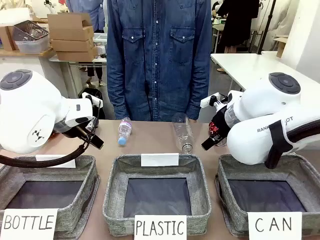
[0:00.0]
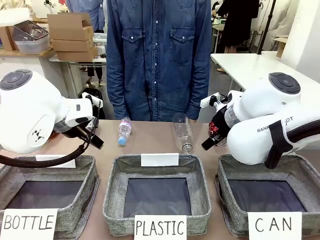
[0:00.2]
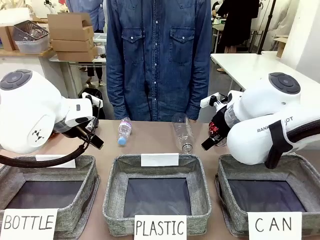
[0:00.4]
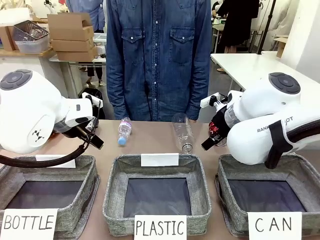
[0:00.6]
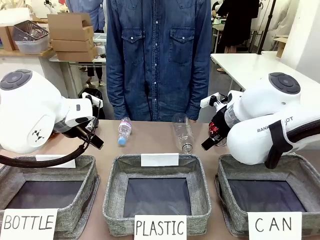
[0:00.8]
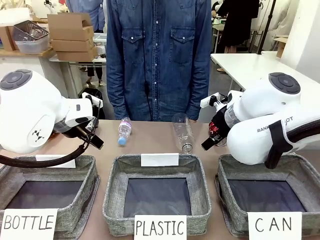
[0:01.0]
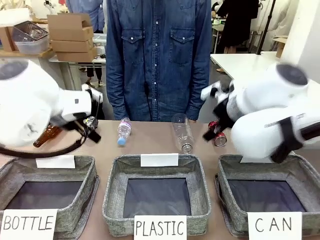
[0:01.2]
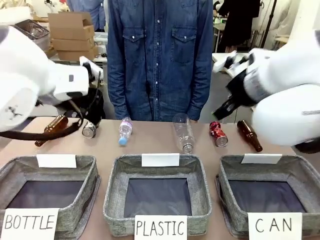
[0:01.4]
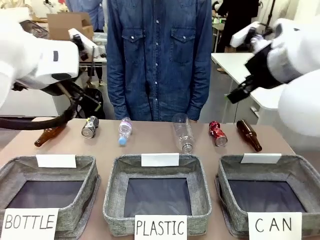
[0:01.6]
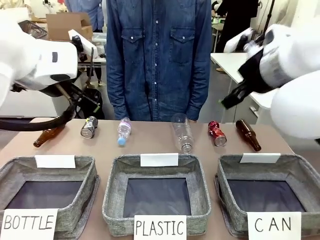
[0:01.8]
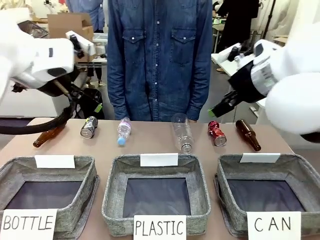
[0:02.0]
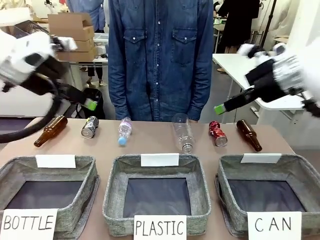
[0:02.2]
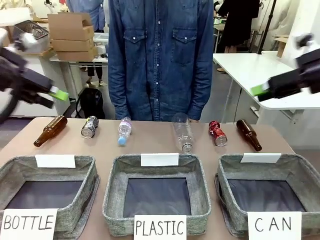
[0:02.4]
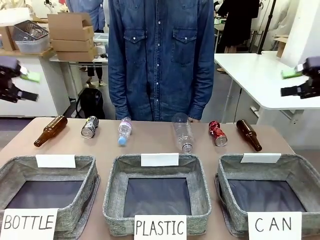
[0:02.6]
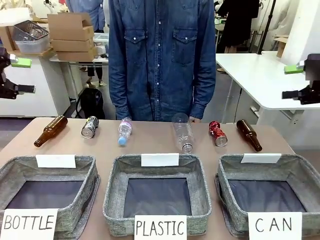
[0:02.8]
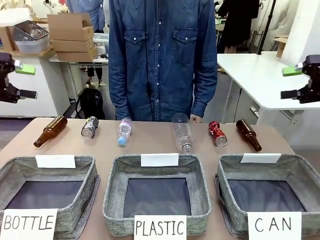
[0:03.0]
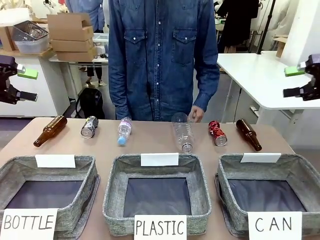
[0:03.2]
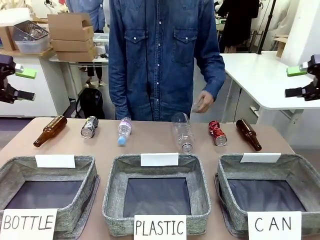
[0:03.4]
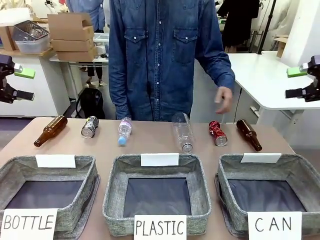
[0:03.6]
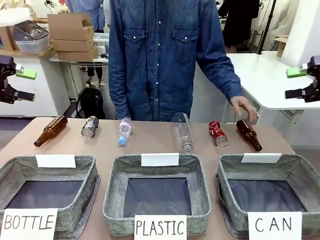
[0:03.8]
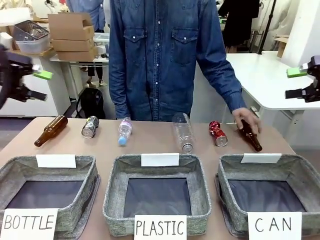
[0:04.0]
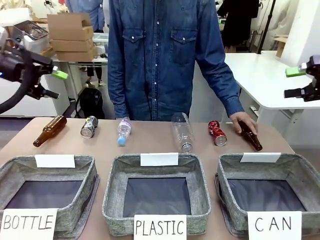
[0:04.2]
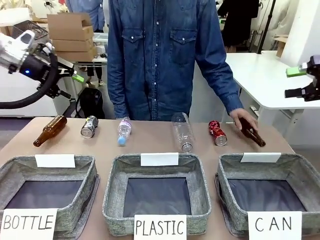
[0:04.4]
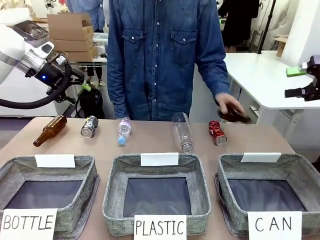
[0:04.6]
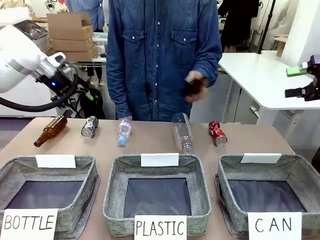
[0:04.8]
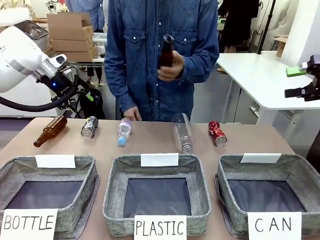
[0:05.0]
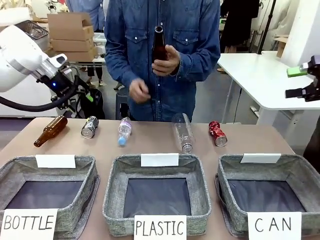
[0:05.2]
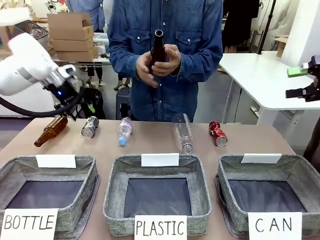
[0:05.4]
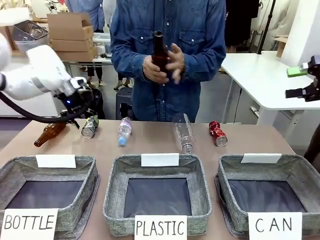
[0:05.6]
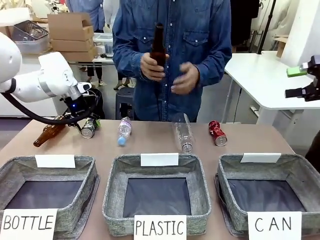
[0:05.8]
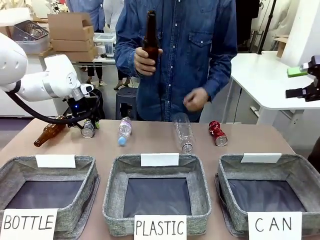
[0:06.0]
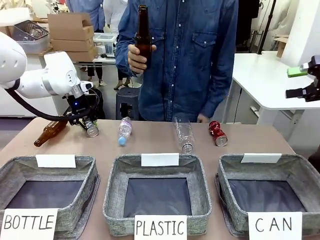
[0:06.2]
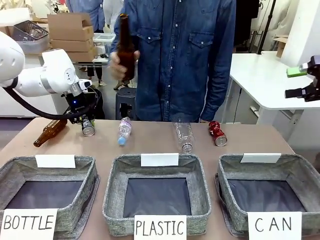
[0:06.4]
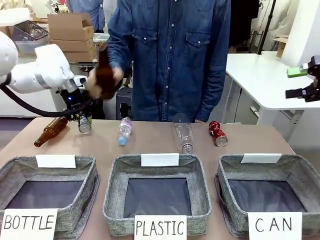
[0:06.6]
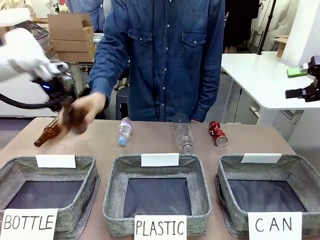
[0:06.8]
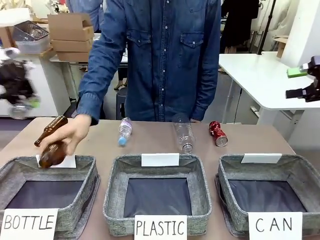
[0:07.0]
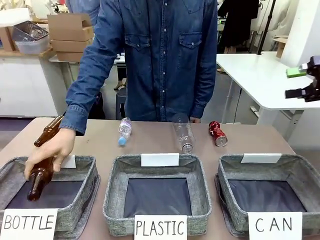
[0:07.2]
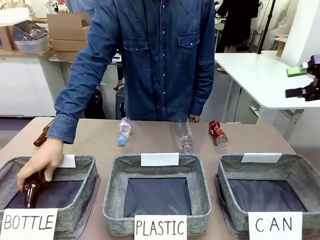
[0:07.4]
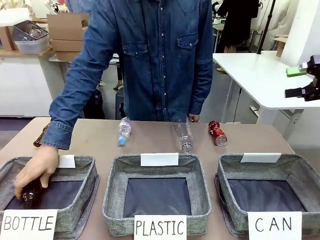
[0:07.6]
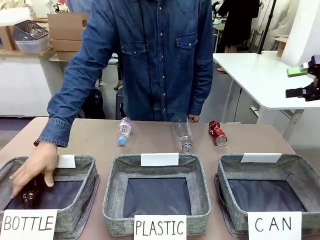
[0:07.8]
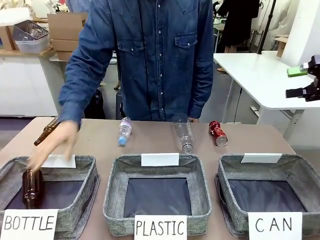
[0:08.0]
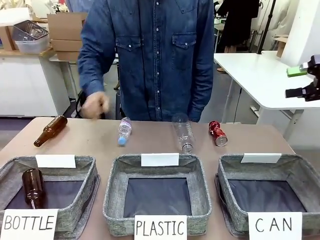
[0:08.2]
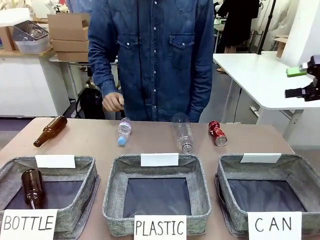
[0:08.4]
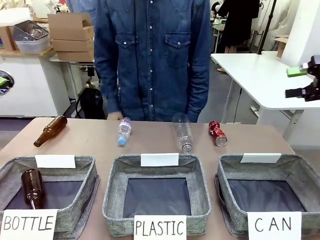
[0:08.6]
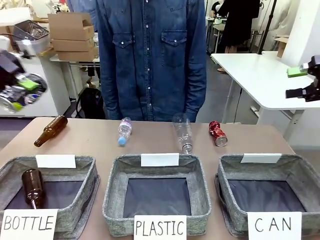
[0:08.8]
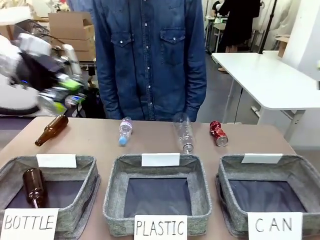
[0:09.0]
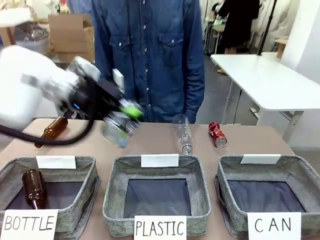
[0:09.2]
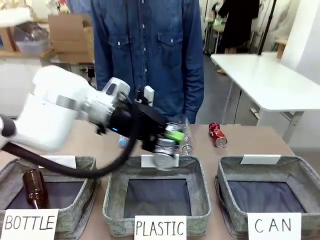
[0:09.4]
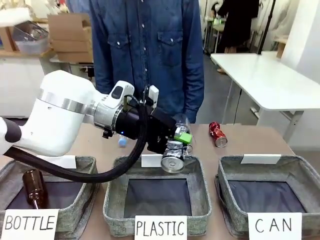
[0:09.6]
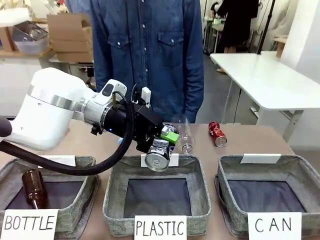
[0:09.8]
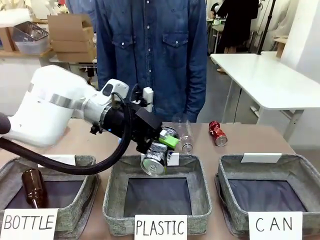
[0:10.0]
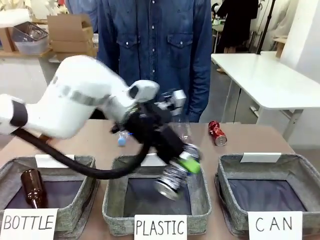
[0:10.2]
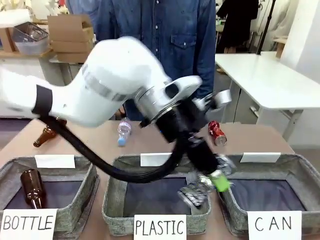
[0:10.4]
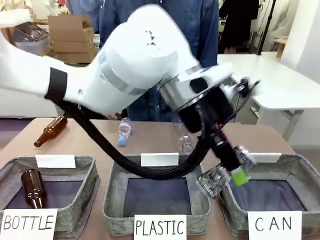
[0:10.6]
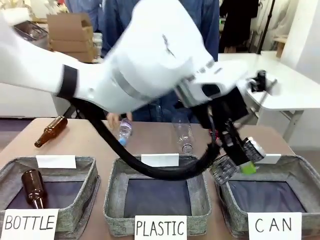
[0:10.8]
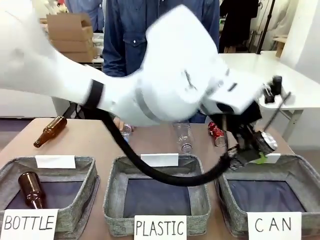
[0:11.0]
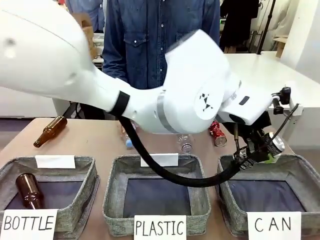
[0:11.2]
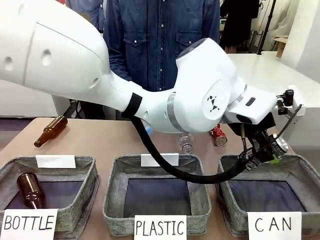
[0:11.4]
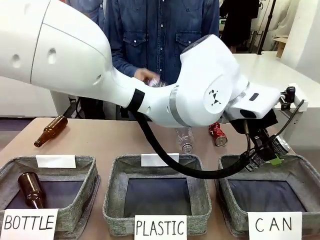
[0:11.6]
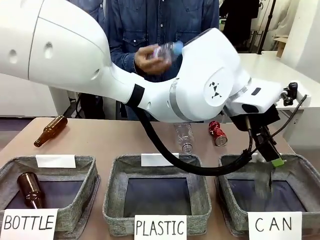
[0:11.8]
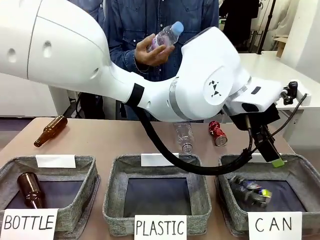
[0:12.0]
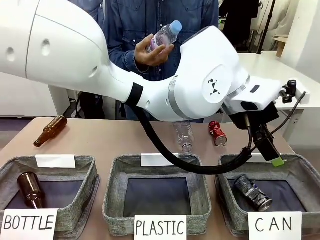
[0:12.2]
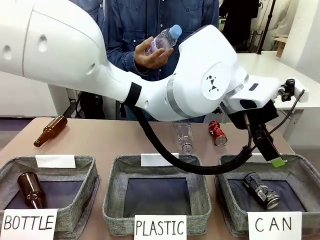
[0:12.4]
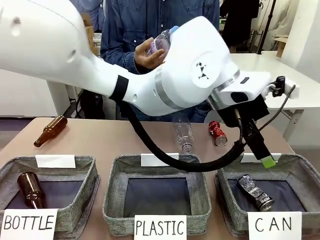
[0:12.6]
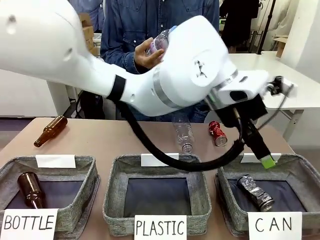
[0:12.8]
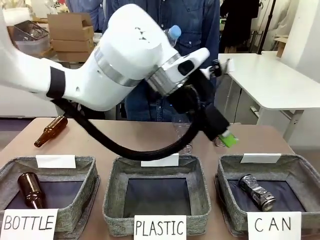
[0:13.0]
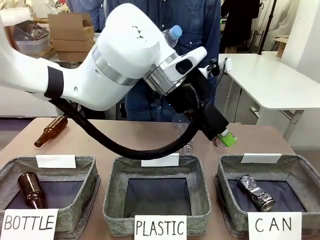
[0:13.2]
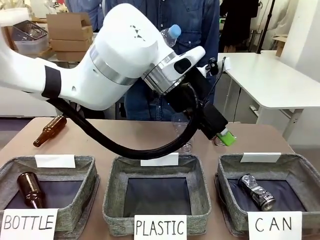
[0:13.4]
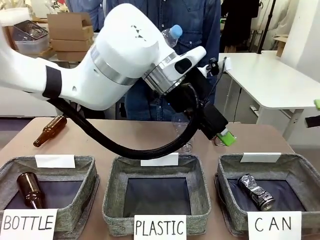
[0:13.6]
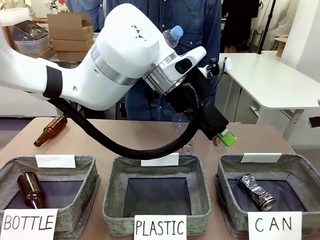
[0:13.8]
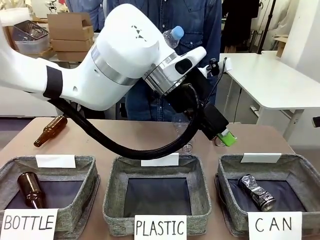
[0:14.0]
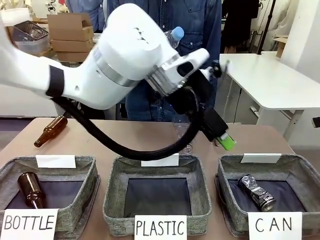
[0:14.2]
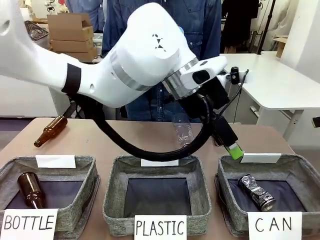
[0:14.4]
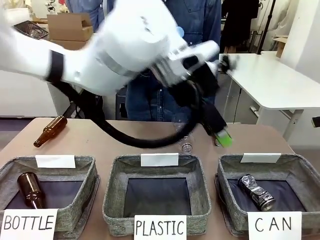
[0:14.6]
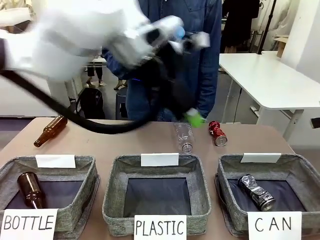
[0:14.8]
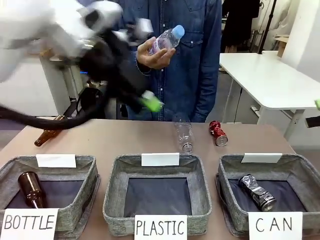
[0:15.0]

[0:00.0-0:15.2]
Task: Sort the can waste into the basket.
Robot: Pick up the can waste from the table and place it in the right Fabric basket.
